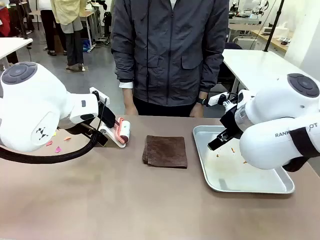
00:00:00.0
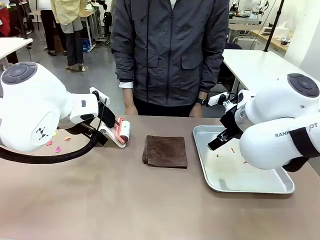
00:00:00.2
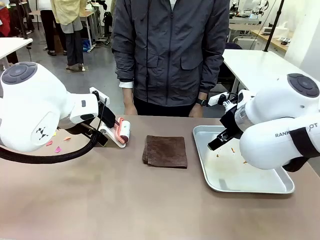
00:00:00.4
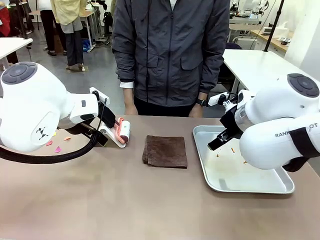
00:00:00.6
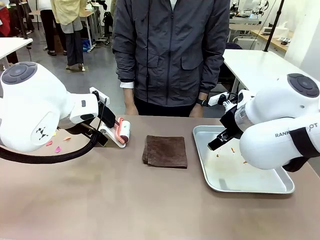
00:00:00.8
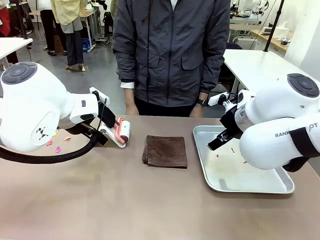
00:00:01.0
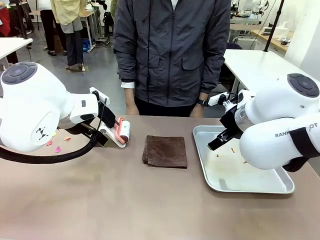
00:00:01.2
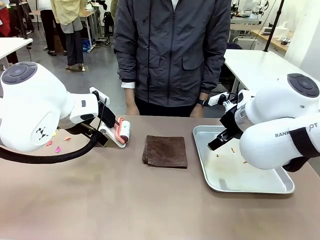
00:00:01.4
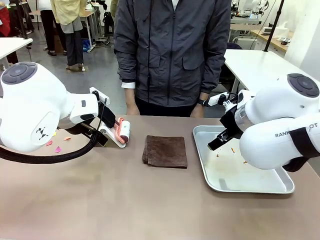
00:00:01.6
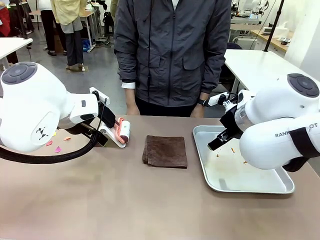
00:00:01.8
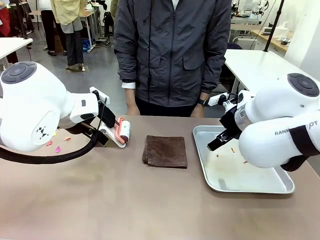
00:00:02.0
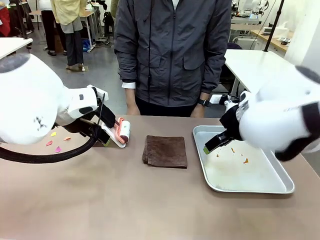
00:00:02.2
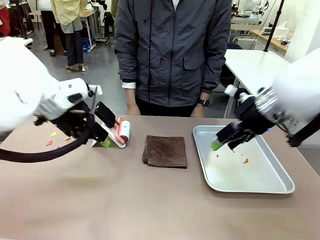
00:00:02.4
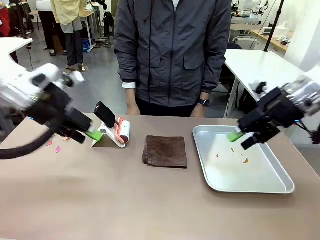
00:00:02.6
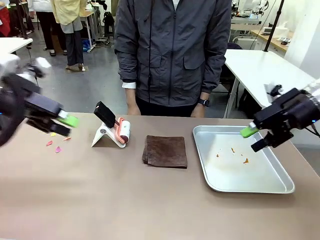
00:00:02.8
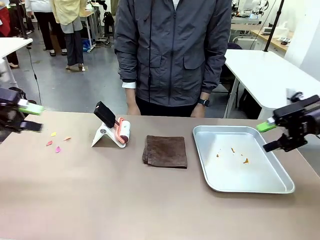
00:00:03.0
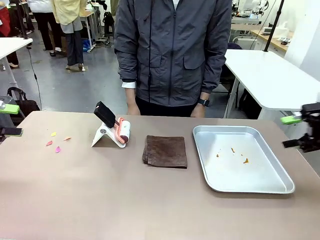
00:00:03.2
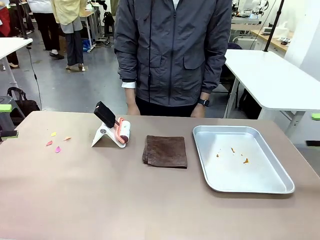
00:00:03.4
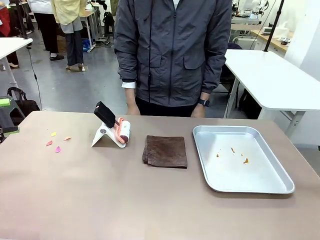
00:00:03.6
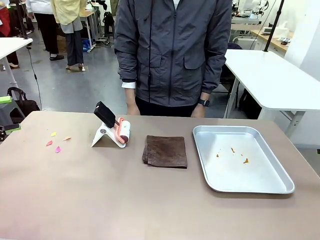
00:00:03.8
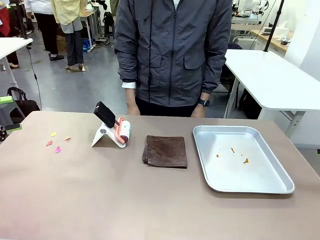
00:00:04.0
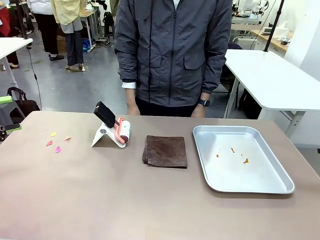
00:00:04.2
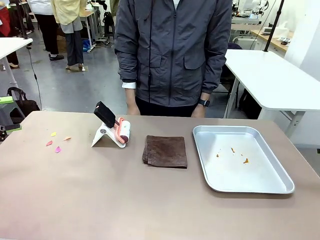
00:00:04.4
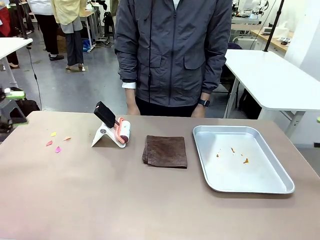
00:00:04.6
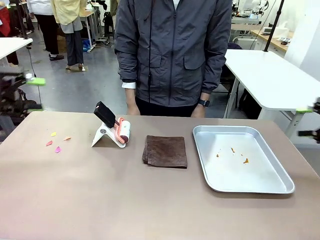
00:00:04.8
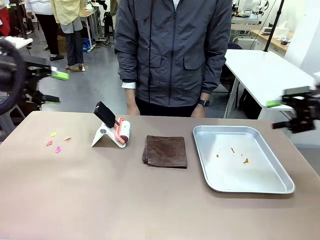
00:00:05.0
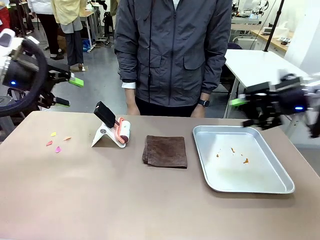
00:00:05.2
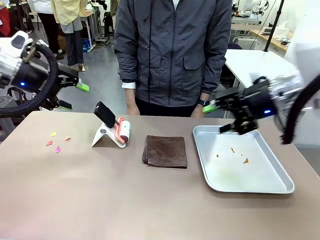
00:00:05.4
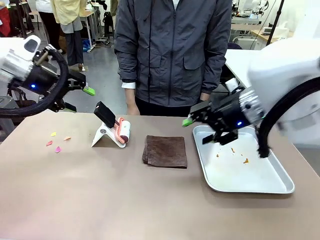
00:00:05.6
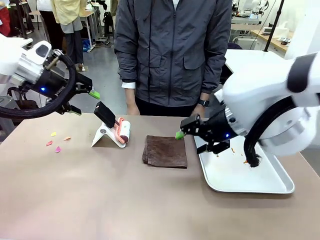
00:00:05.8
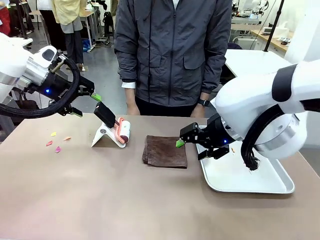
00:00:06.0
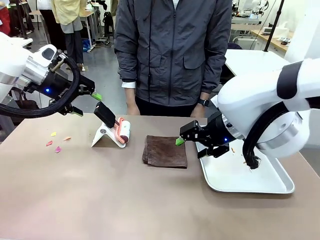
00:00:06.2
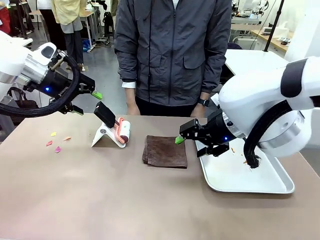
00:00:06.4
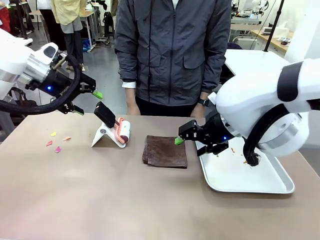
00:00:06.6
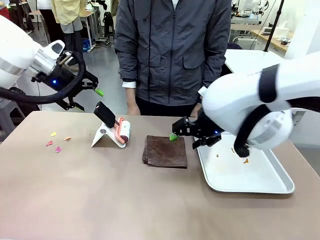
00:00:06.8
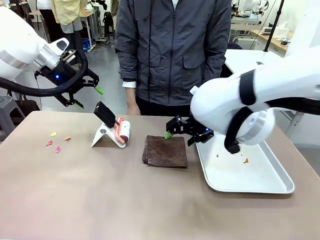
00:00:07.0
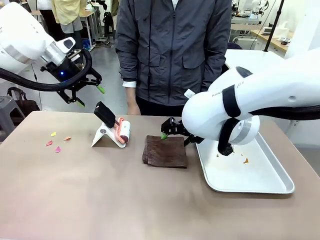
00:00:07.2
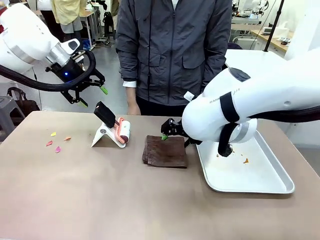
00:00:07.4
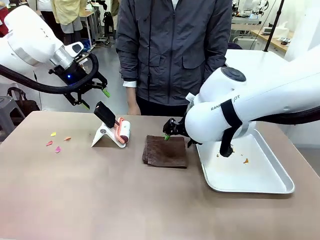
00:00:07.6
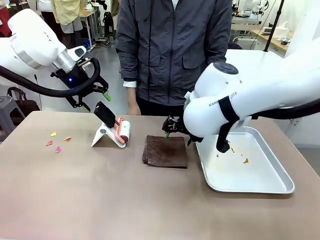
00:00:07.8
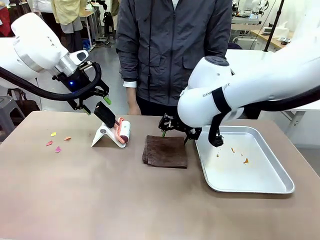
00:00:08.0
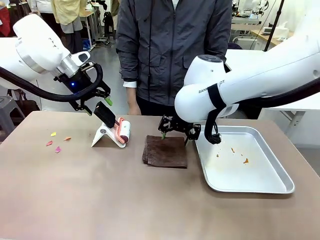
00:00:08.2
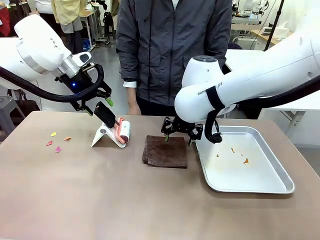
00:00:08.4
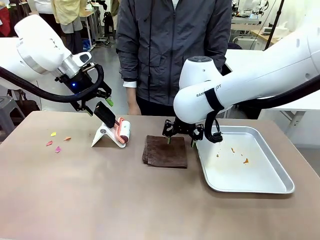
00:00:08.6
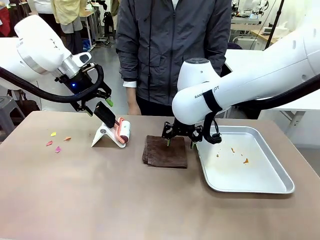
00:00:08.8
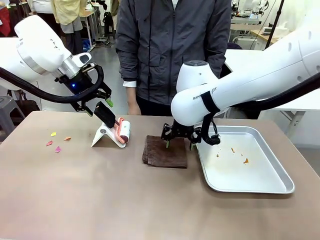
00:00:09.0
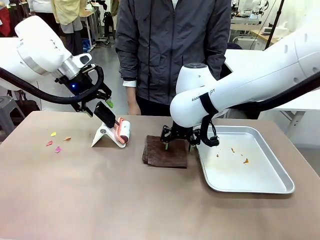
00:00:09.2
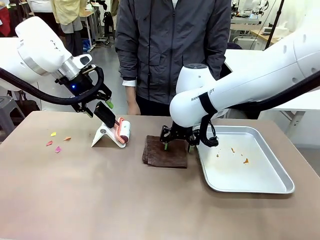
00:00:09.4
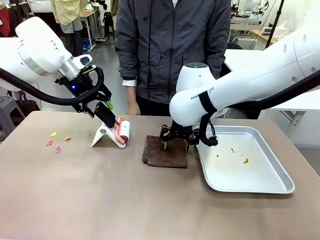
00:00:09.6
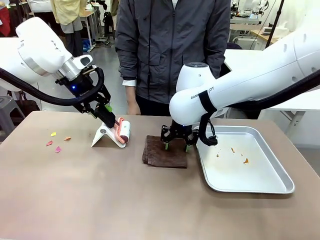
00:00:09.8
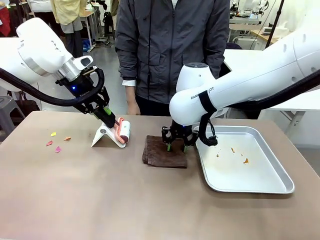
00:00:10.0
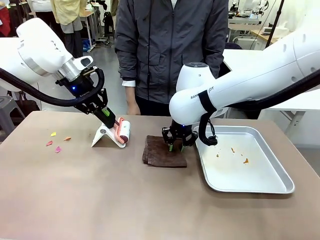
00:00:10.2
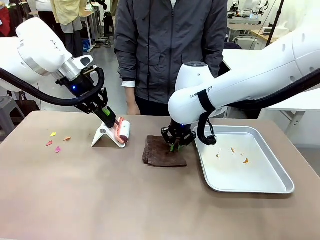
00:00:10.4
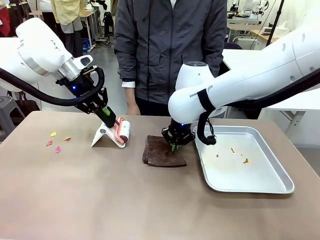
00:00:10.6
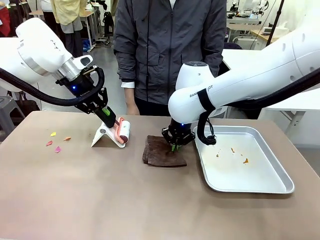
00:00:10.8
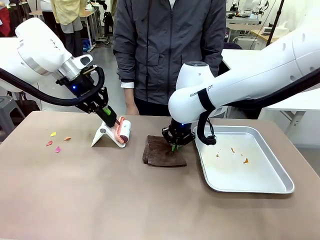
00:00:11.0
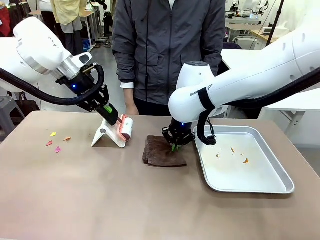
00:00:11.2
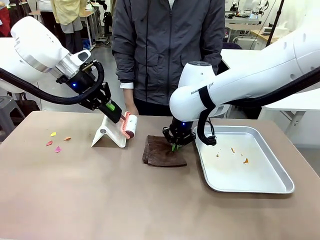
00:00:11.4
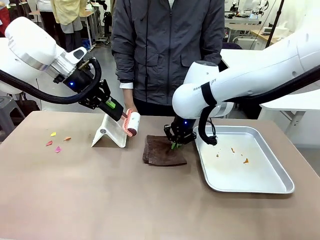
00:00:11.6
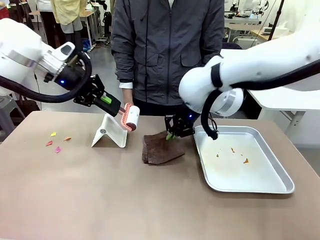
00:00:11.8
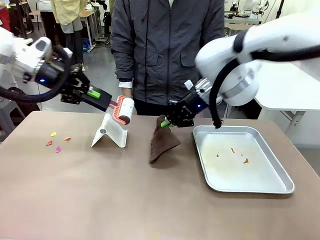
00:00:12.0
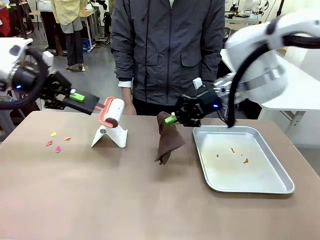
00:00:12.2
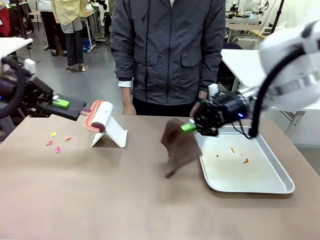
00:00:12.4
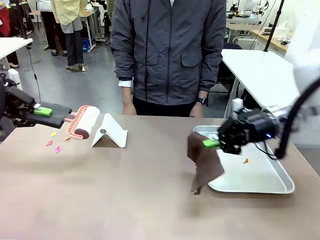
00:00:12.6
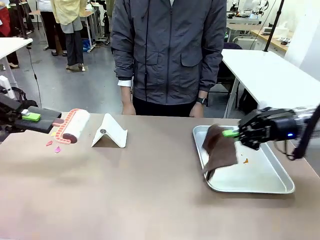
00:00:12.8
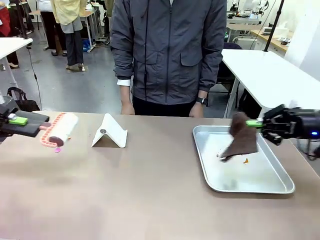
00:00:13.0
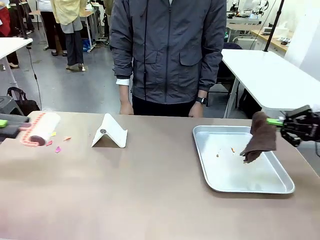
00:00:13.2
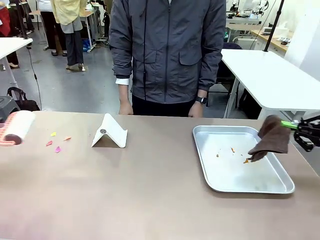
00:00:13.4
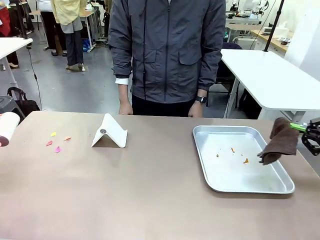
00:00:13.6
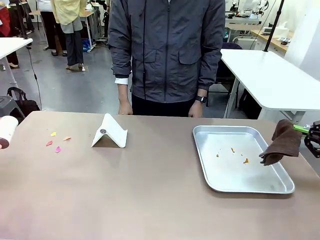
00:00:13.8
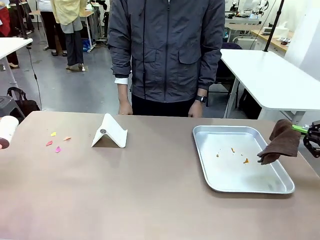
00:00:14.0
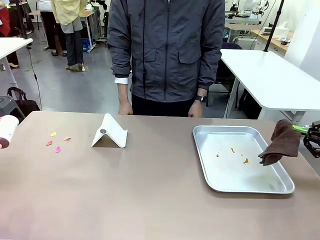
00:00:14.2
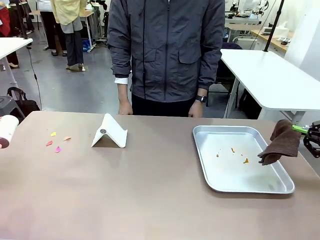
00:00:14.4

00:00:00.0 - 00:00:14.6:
Task: Clean the surface of the table.
Robot: Hold the Lint Roller with your left hand and the towel with your right hand.
